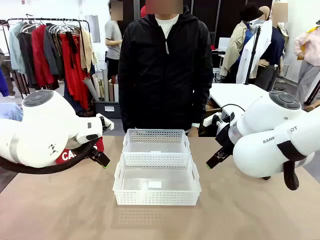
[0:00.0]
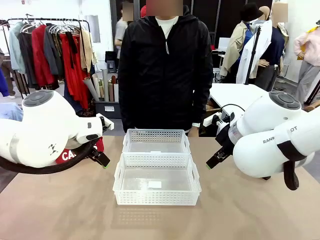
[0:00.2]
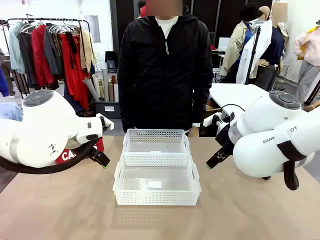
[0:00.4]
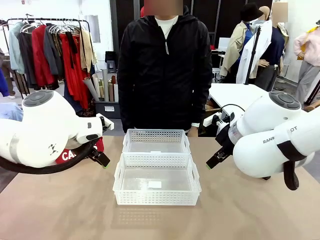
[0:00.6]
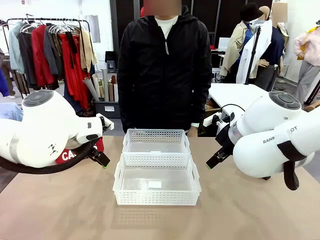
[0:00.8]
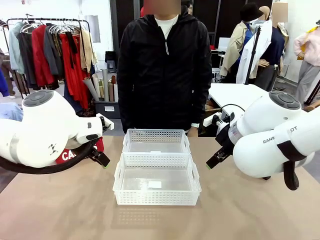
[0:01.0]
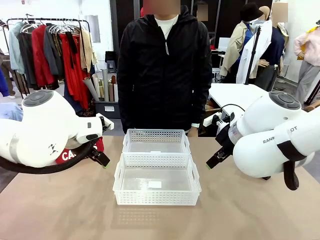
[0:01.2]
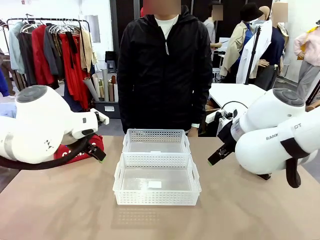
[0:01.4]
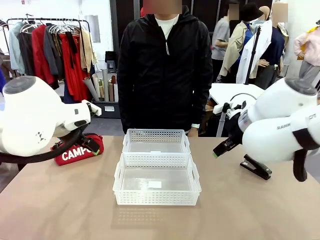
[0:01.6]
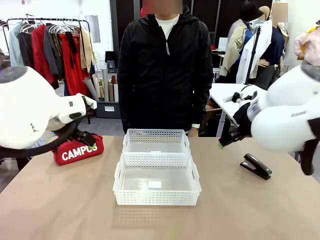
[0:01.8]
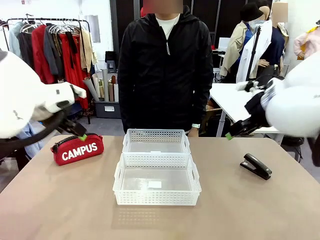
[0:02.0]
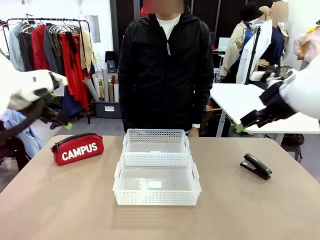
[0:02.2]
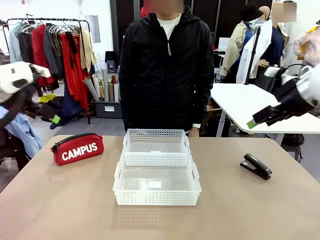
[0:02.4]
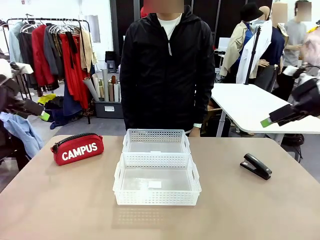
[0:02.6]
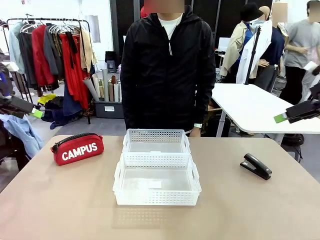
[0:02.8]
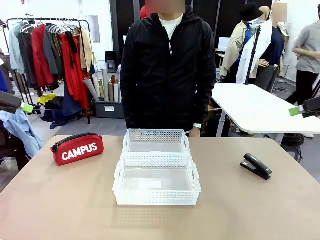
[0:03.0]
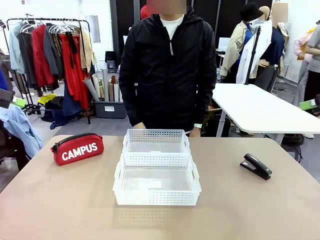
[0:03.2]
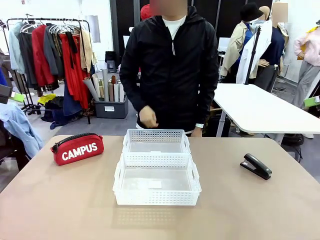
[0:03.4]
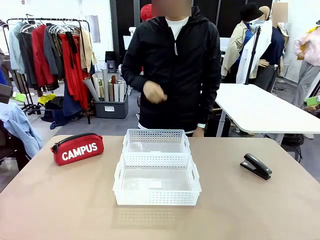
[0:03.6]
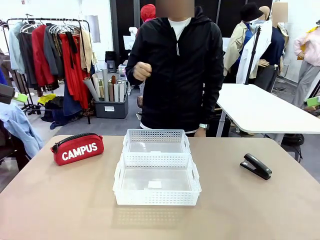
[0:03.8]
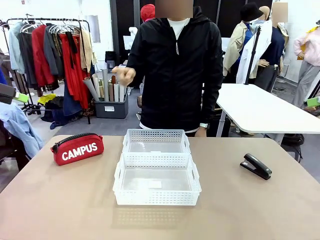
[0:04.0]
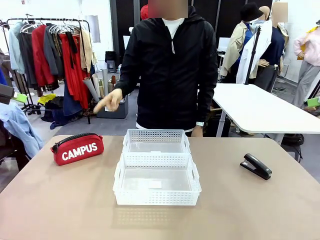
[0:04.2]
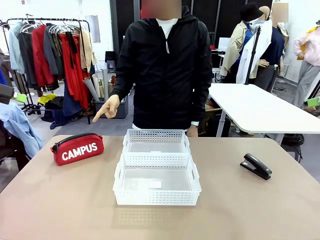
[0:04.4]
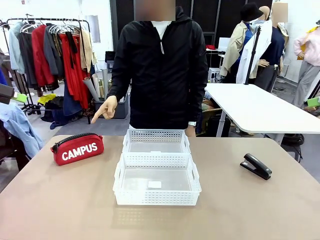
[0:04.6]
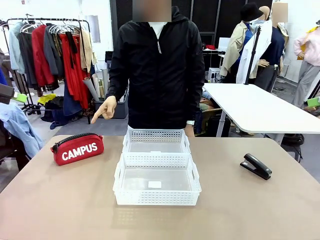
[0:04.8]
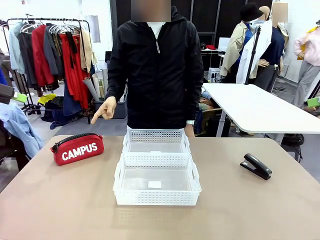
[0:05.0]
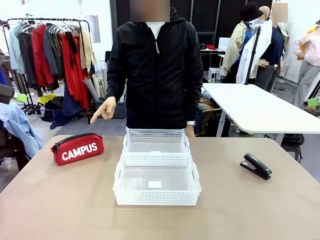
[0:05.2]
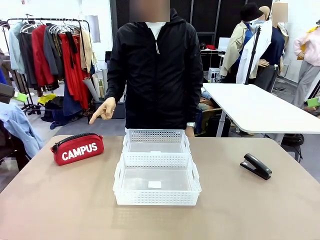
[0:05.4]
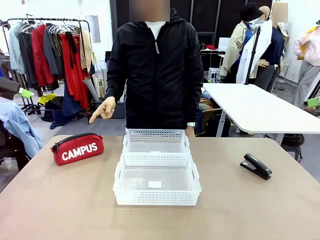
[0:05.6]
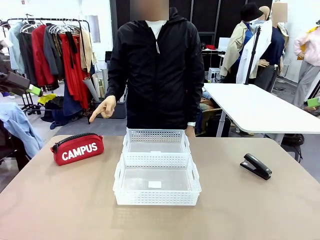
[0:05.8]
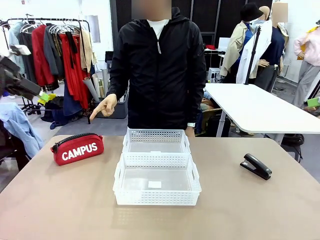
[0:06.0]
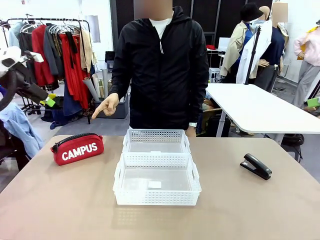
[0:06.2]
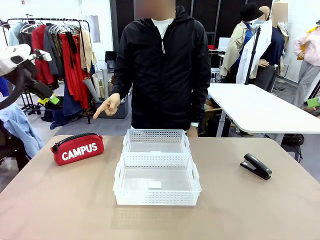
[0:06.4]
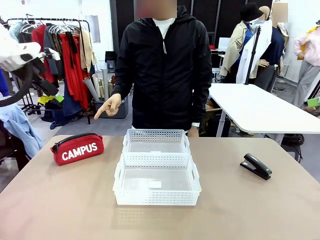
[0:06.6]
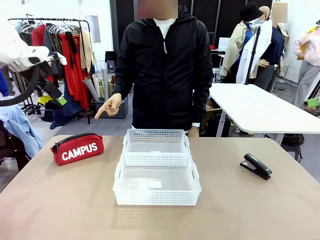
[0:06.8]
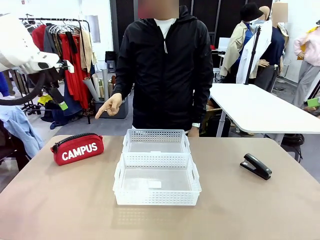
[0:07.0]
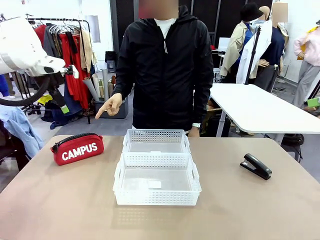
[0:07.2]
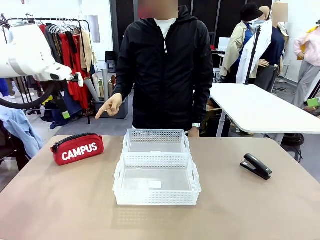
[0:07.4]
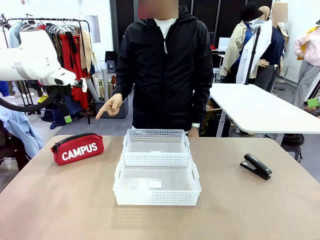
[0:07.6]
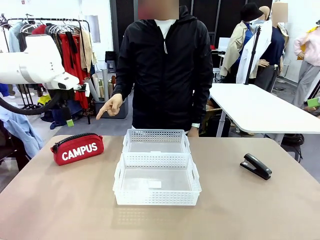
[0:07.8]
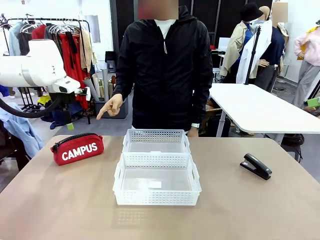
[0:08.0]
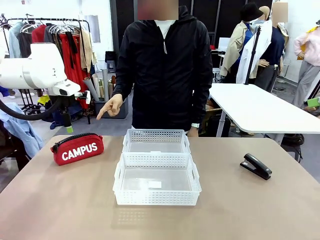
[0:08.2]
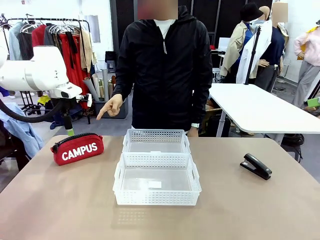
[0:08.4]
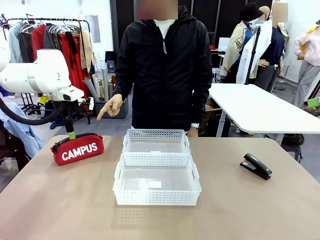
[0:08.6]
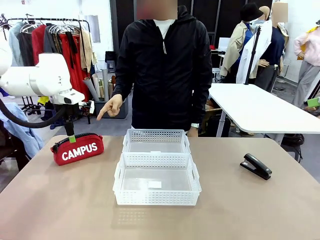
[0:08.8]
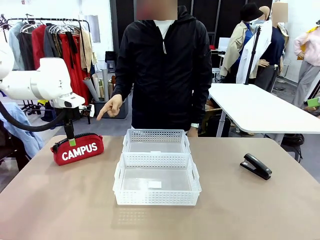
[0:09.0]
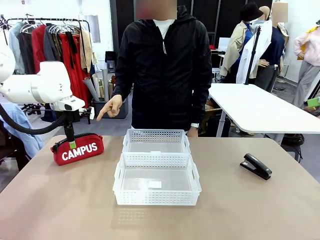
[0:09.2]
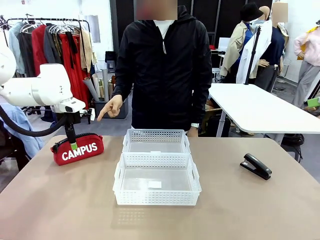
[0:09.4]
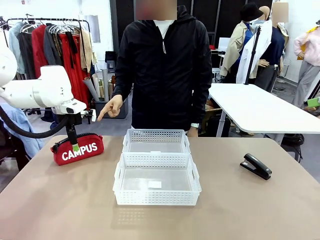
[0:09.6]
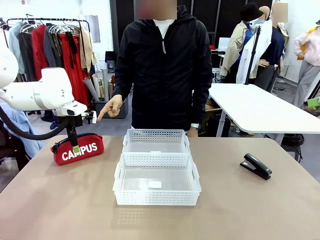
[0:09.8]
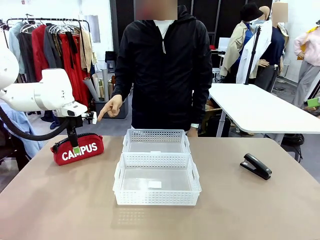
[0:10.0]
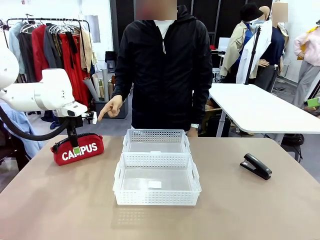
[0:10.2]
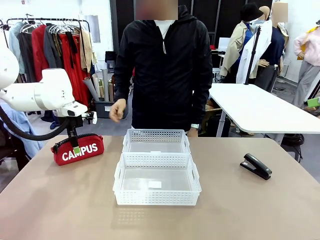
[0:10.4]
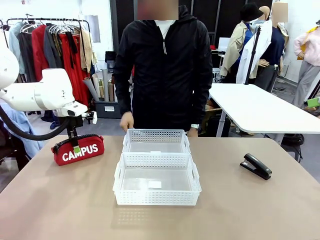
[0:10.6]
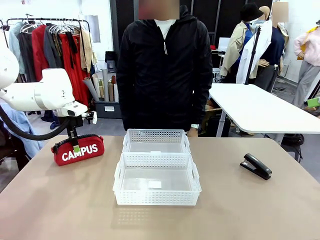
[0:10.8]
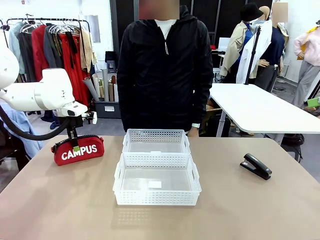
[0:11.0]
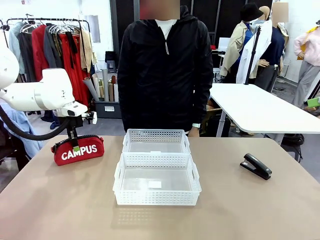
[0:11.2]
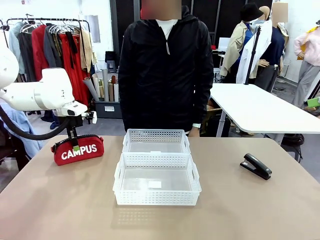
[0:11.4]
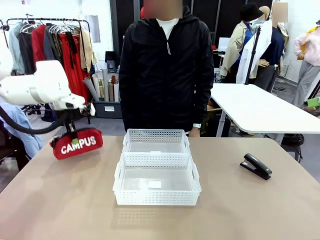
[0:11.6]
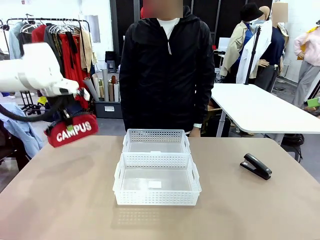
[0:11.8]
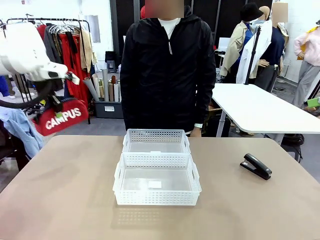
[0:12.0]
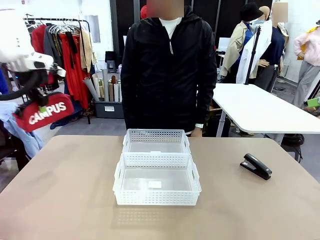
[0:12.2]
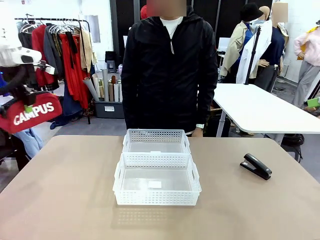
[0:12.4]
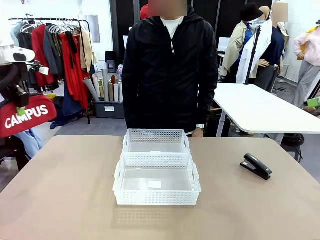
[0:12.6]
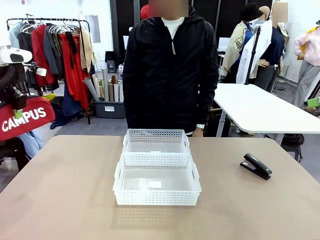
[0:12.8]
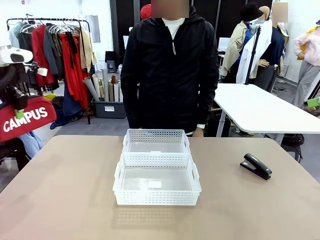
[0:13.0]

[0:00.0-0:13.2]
Task: Distribute items into two baskets.
Robot: Pick up the Pencil pouch that the person points to.
Person: Points to the pencil case. Points between the two organizing baskets and instructs the robot to move the pencil case.

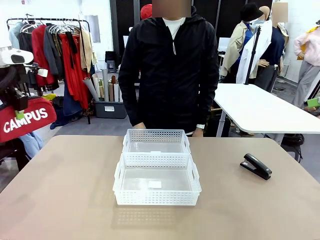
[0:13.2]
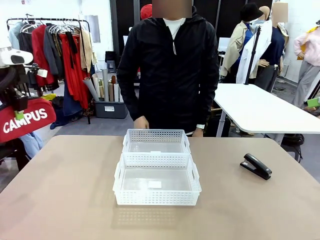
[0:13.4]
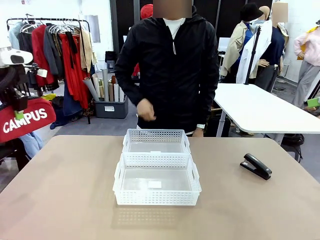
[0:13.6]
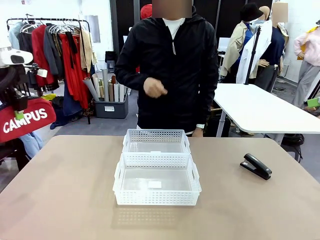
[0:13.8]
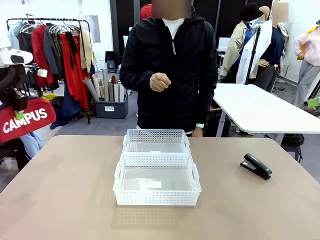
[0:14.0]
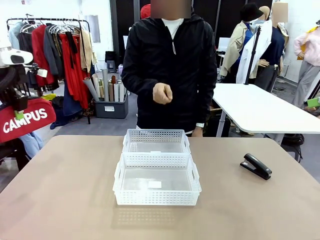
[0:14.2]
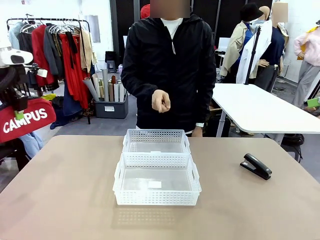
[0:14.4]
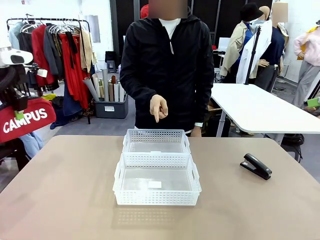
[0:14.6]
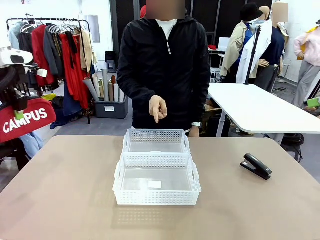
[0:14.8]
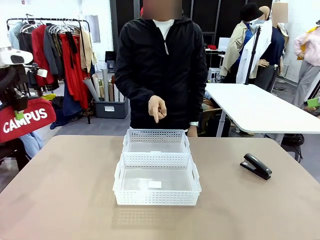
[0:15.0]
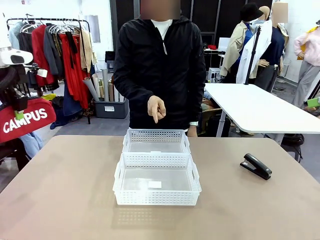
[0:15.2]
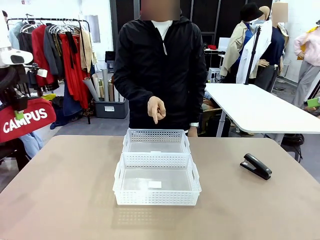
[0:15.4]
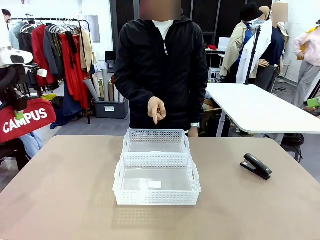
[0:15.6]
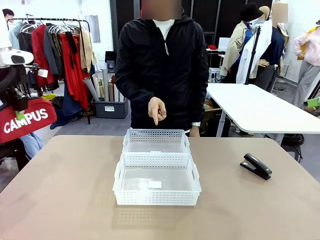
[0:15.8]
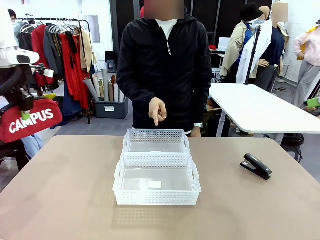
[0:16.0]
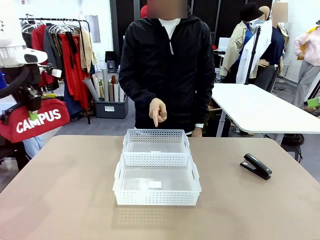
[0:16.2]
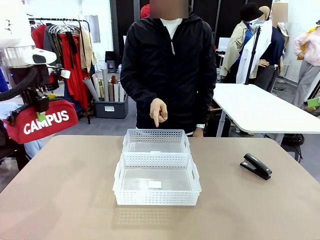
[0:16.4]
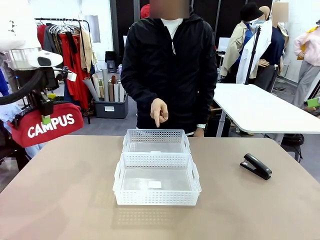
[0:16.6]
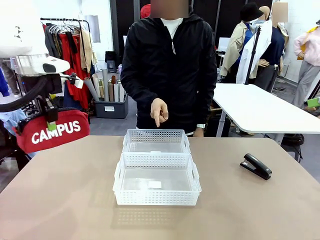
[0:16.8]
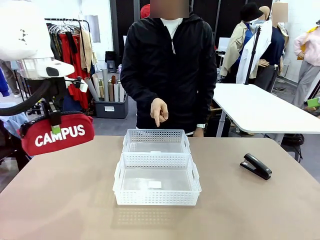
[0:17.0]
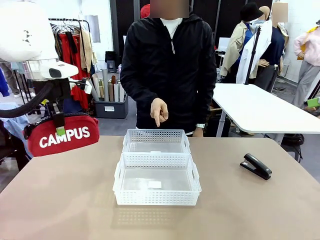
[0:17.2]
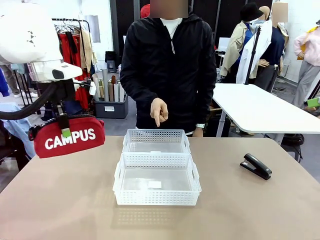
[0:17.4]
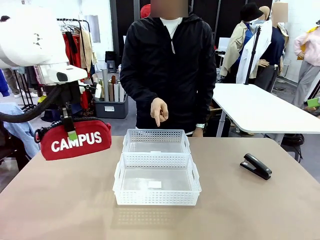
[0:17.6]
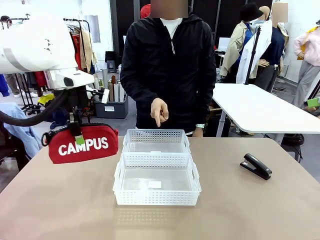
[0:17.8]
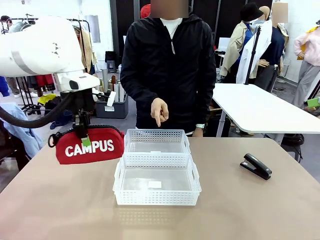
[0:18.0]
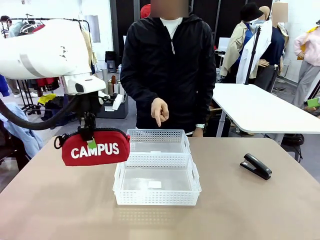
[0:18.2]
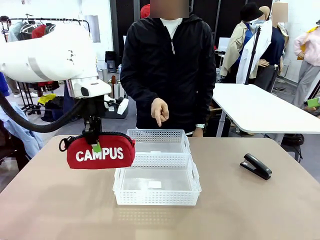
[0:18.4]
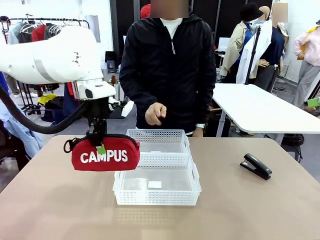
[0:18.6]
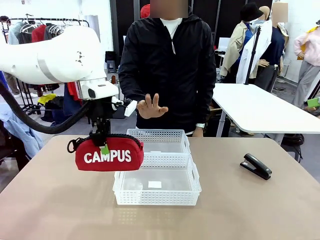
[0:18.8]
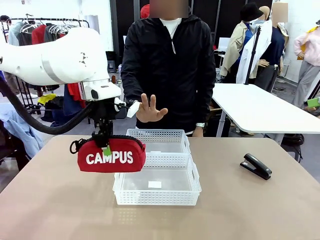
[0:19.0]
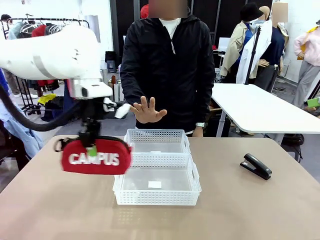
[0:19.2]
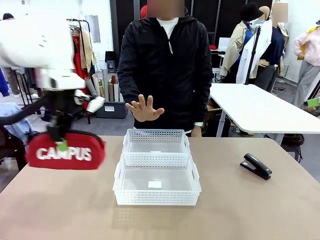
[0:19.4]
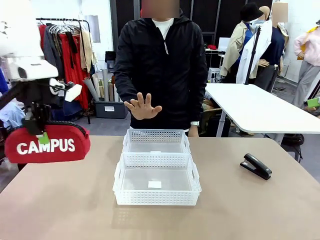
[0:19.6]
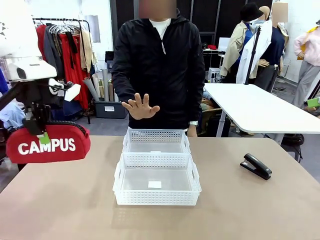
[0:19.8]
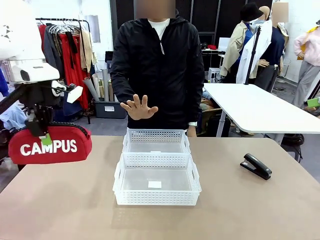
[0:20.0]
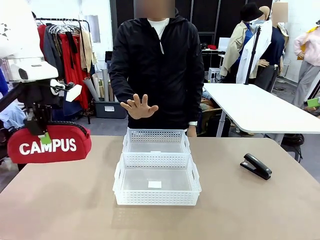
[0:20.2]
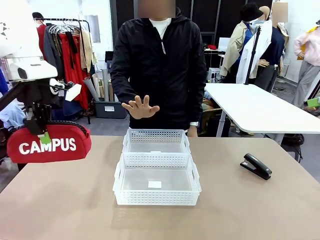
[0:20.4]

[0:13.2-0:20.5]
Robot: Move the picked Pencil pouch towards the Organizing basket indicated by the person, stopping as directed.
Person: Sends a stop gesture before the robot places the pencil case into the basket.
